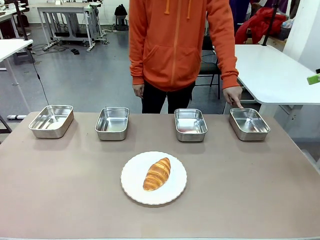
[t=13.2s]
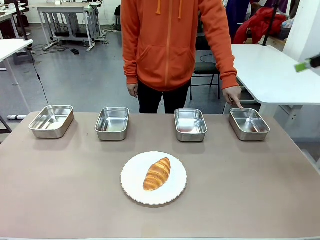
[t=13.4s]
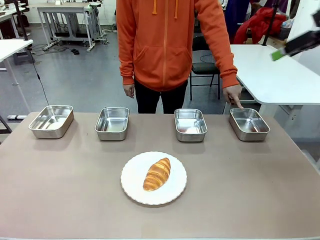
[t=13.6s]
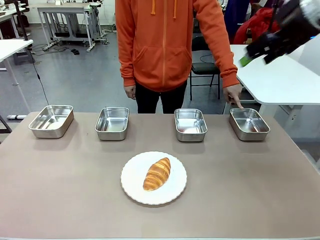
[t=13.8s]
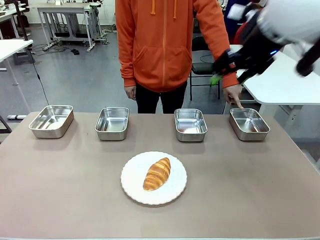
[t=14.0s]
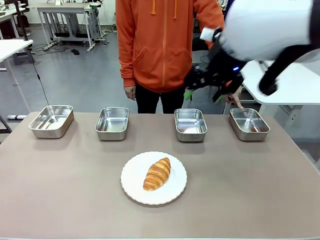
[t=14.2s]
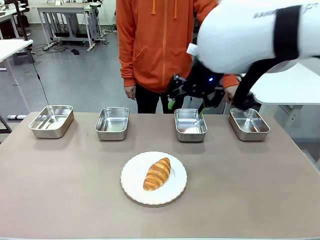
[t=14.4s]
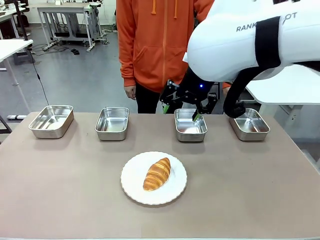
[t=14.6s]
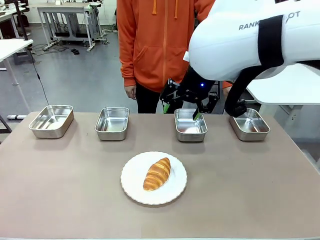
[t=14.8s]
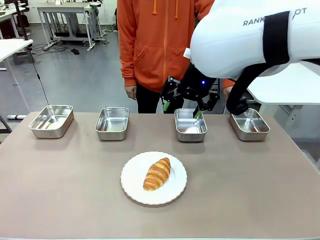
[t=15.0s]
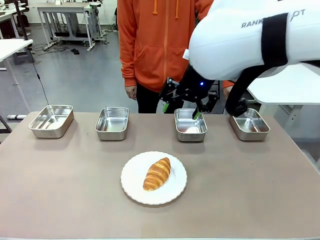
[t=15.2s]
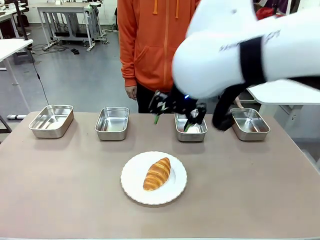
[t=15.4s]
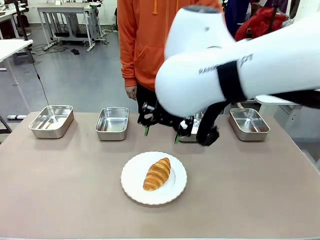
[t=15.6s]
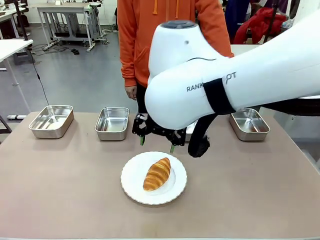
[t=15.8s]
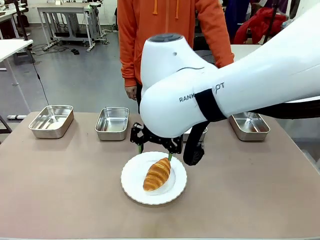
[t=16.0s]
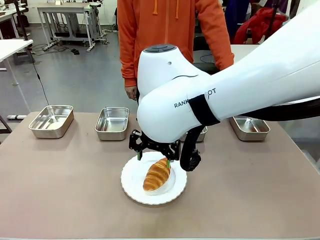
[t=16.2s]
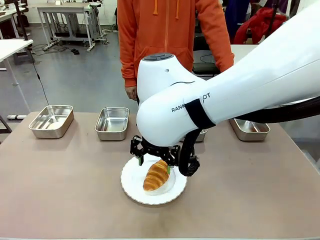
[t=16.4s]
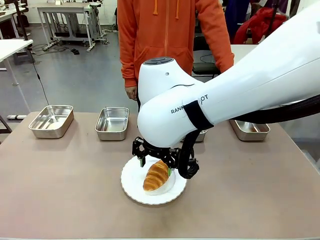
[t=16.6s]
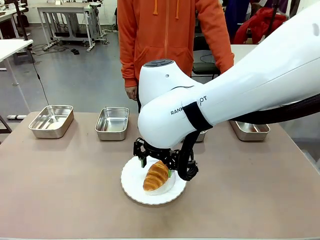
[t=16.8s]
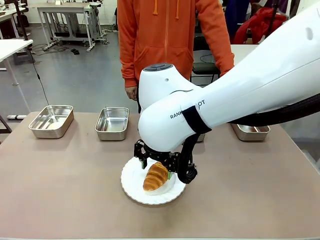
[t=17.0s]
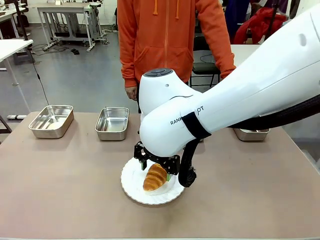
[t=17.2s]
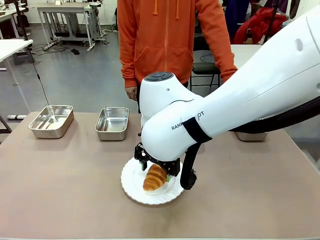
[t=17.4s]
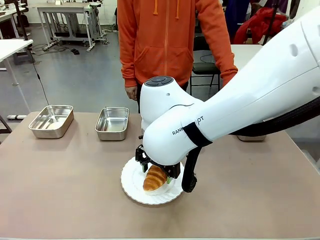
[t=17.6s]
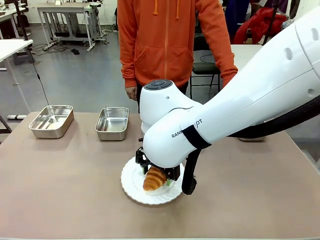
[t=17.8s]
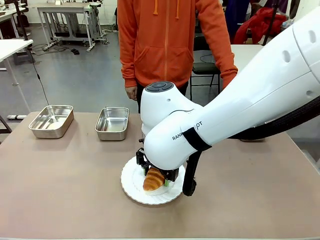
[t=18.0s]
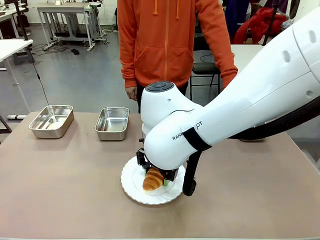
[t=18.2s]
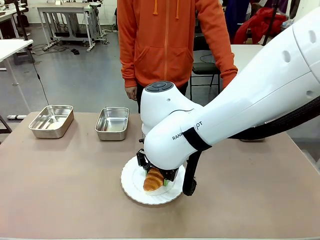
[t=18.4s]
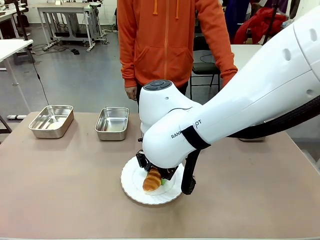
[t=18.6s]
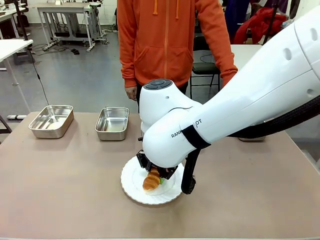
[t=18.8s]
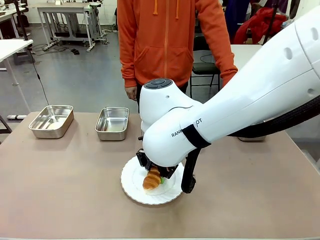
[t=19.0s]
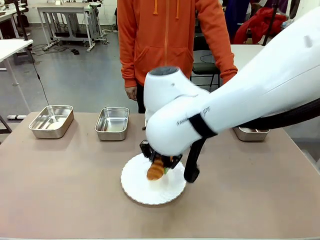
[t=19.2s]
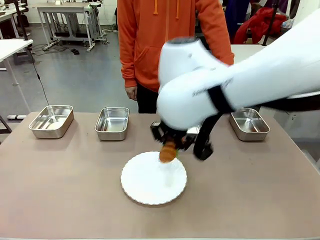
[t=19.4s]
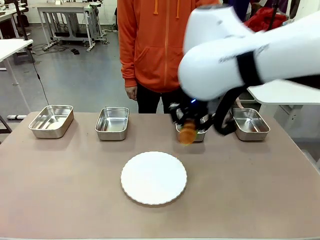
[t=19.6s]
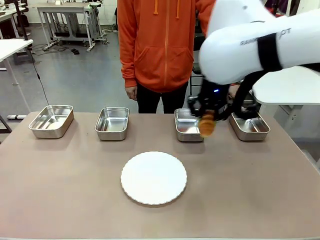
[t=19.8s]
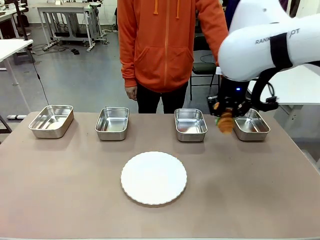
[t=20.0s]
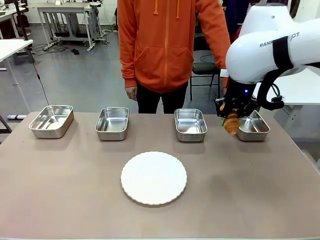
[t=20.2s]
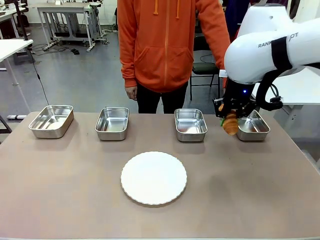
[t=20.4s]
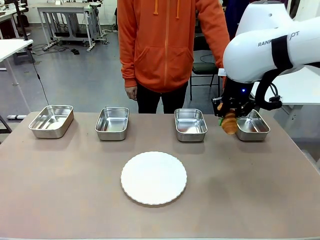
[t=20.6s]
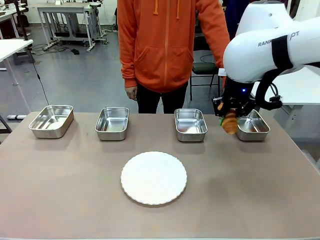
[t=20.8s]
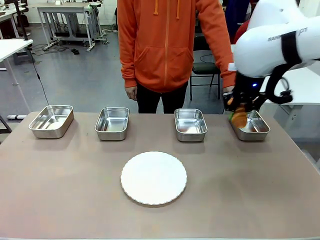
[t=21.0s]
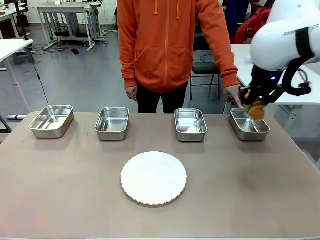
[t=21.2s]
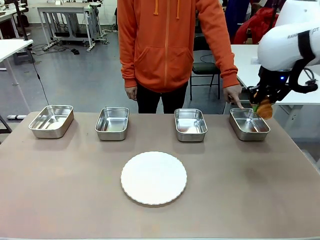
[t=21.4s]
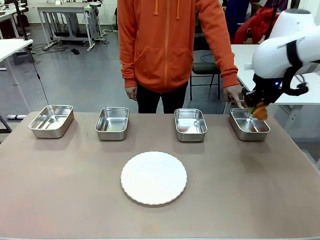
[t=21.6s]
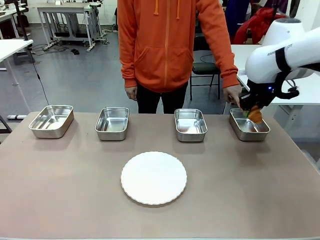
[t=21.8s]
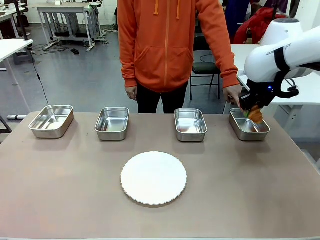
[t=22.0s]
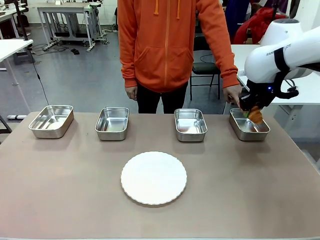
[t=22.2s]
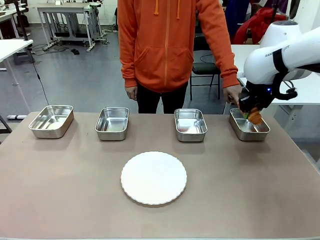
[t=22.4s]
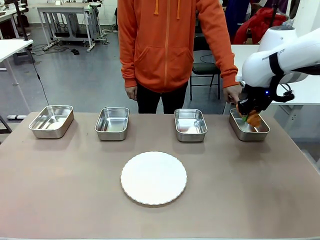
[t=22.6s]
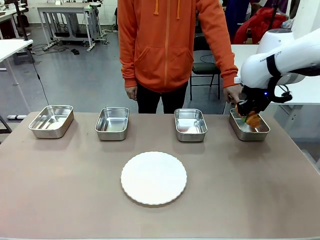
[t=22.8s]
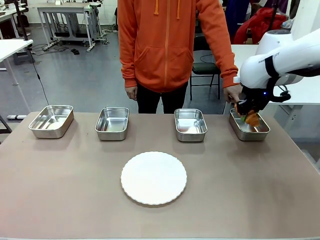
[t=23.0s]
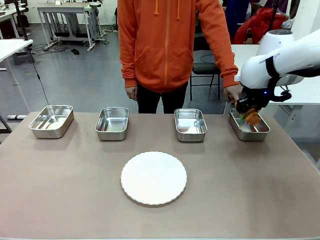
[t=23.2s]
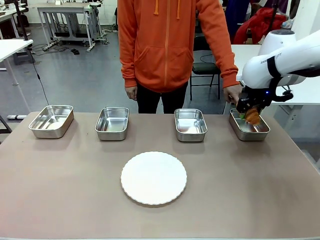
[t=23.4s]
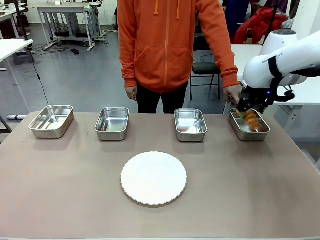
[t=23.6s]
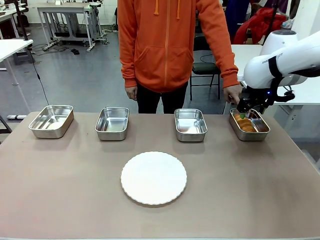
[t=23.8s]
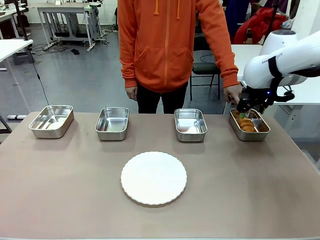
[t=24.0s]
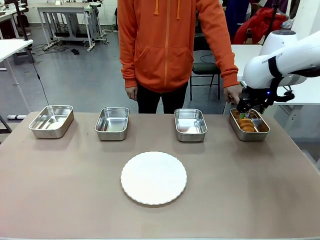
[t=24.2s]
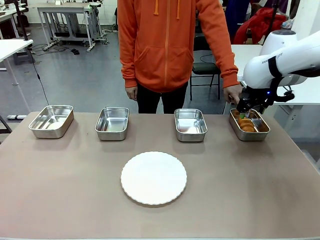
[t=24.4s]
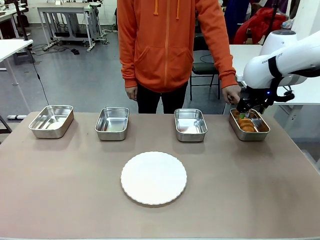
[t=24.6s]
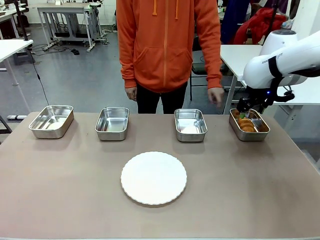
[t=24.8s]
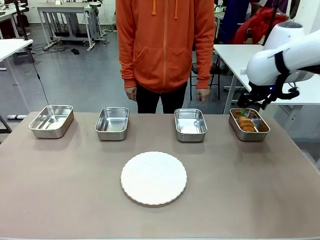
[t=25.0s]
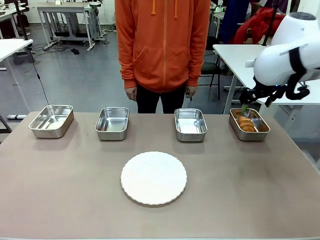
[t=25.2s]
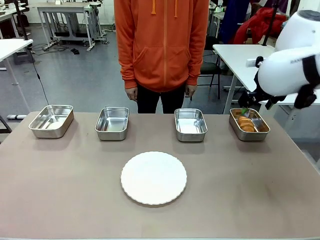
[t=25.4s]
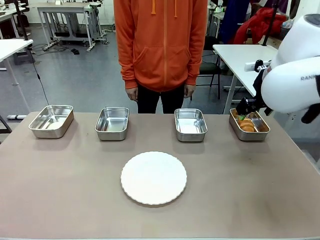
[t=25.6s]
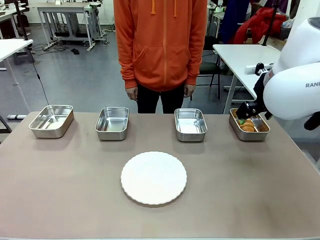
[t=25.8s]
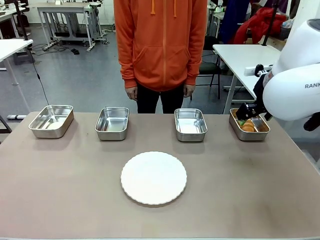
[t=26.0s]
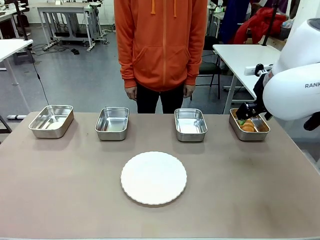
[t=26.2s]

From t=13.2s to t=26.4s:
Task: Place the bread in the container.
Robot: Place the Butter Roll into the Airtight Container indicated by the human.
